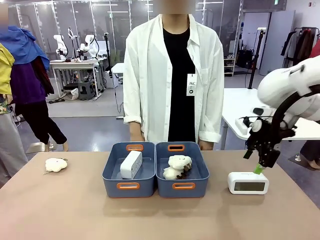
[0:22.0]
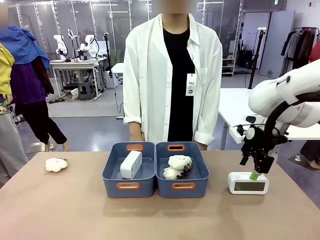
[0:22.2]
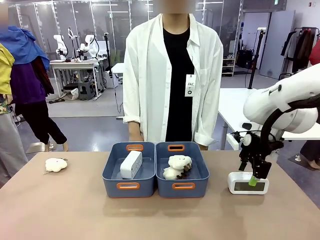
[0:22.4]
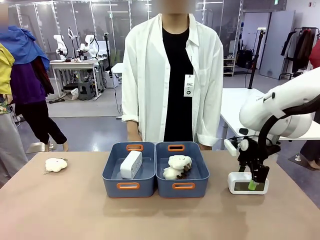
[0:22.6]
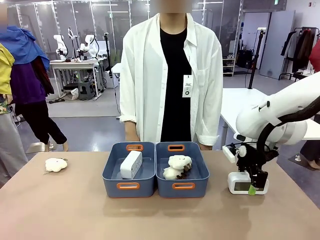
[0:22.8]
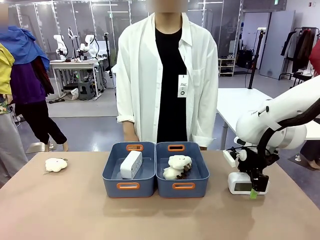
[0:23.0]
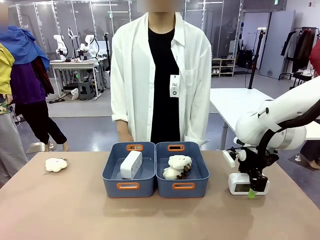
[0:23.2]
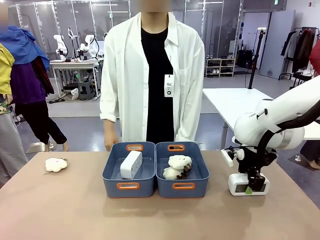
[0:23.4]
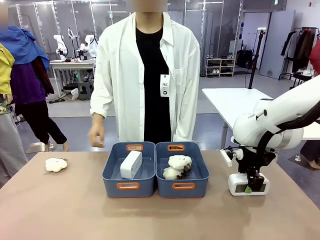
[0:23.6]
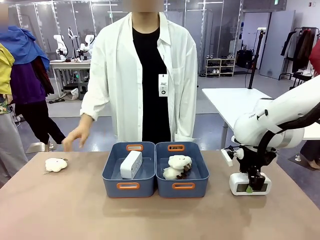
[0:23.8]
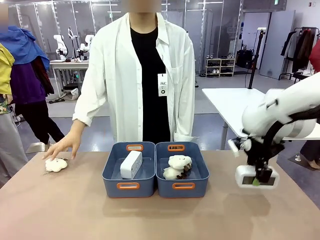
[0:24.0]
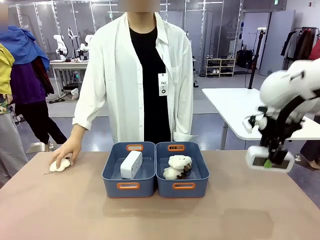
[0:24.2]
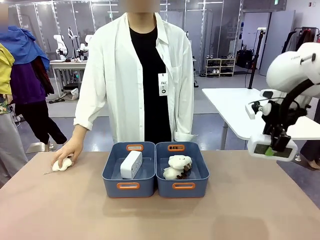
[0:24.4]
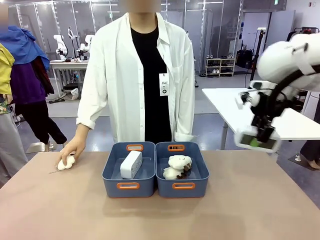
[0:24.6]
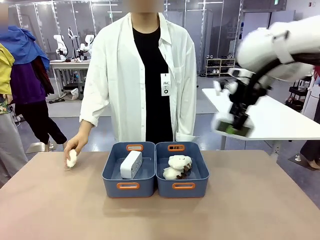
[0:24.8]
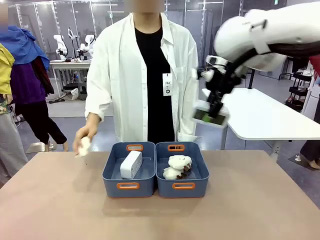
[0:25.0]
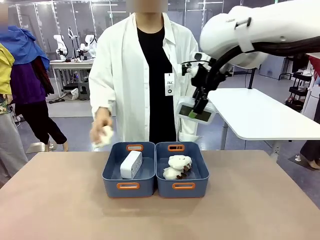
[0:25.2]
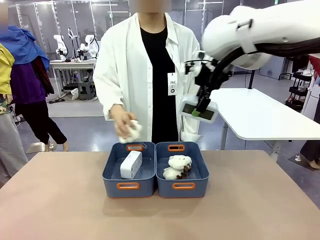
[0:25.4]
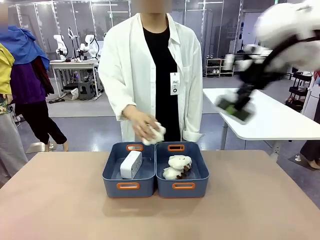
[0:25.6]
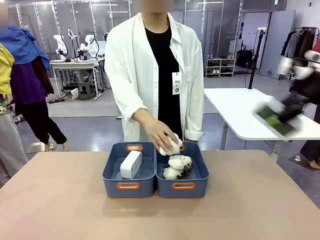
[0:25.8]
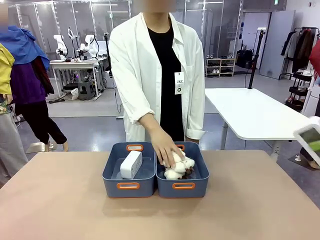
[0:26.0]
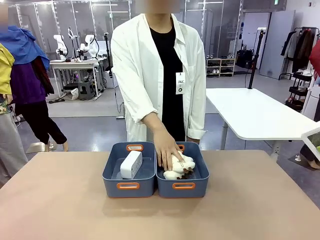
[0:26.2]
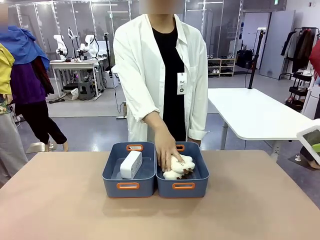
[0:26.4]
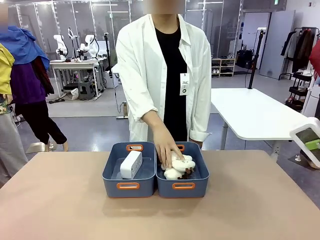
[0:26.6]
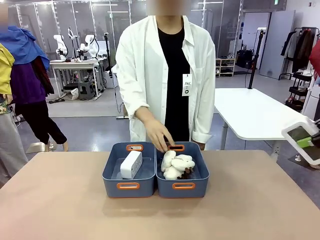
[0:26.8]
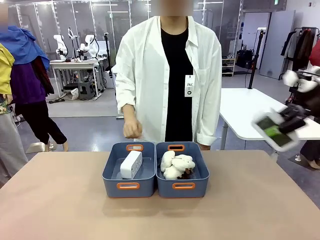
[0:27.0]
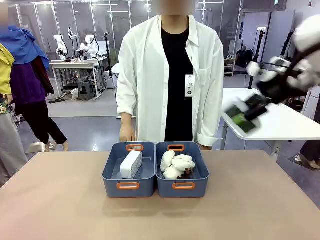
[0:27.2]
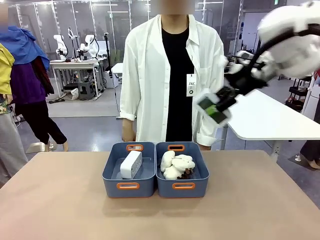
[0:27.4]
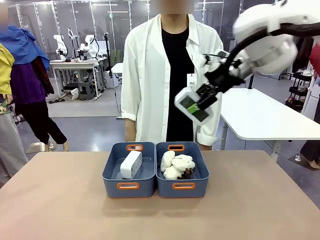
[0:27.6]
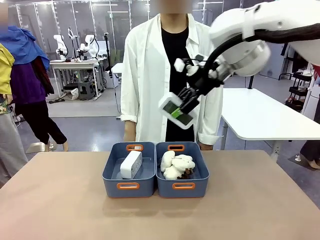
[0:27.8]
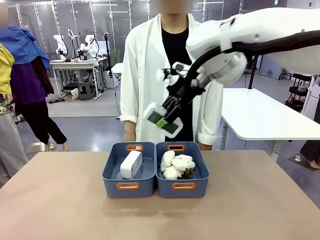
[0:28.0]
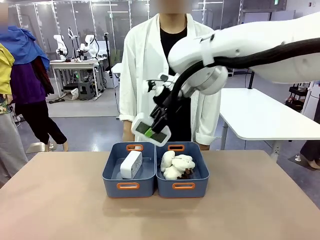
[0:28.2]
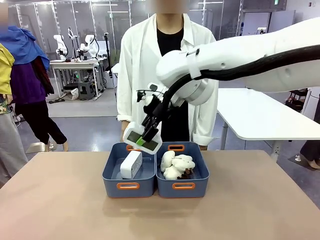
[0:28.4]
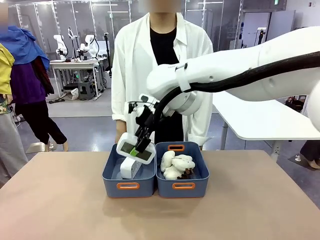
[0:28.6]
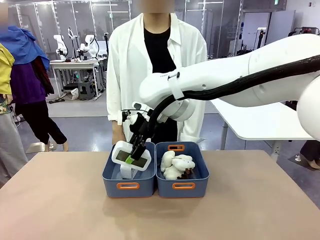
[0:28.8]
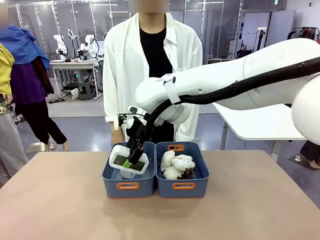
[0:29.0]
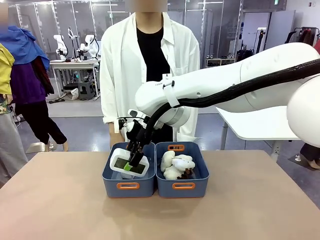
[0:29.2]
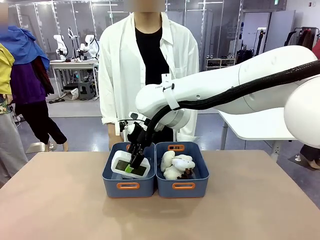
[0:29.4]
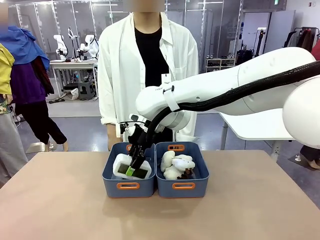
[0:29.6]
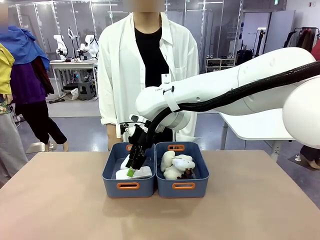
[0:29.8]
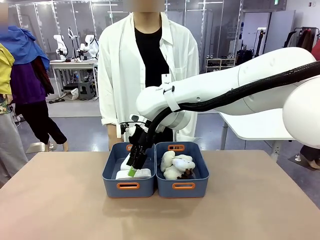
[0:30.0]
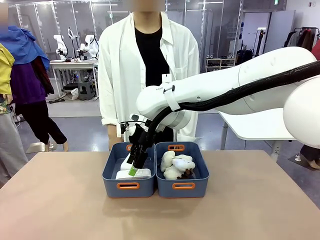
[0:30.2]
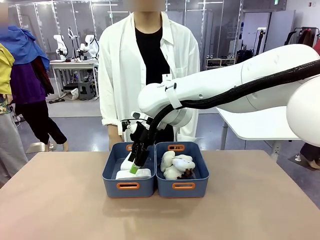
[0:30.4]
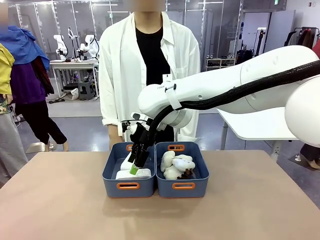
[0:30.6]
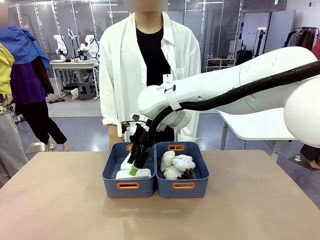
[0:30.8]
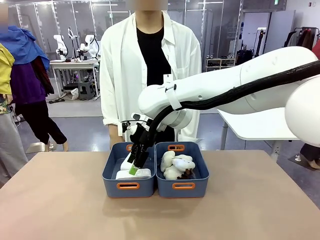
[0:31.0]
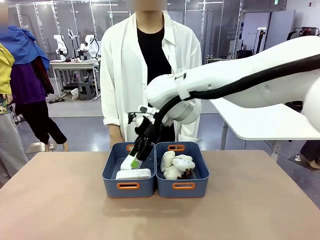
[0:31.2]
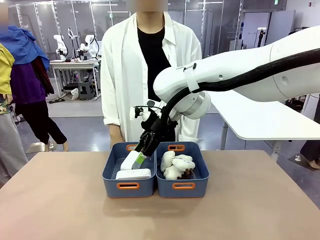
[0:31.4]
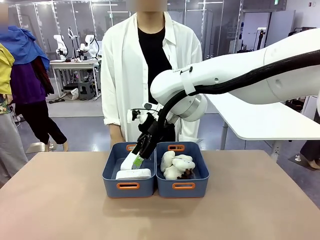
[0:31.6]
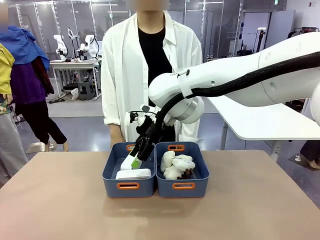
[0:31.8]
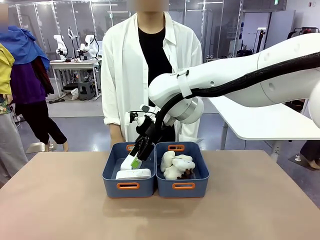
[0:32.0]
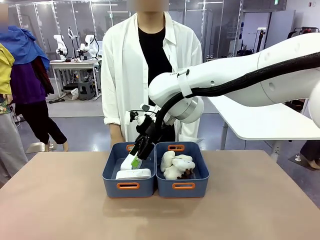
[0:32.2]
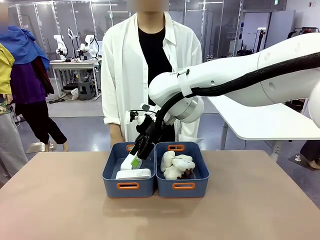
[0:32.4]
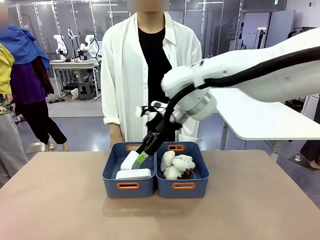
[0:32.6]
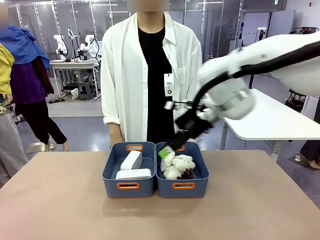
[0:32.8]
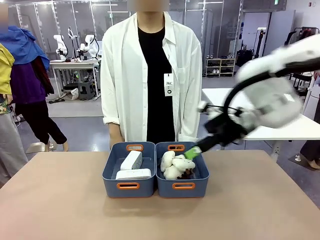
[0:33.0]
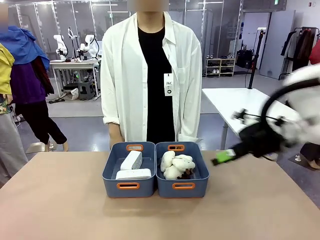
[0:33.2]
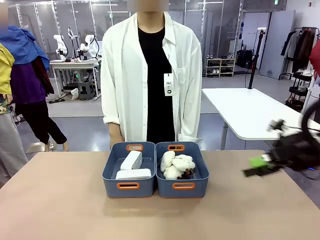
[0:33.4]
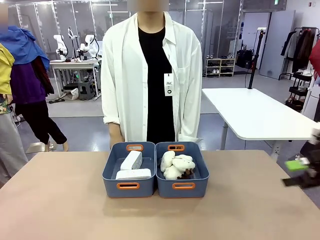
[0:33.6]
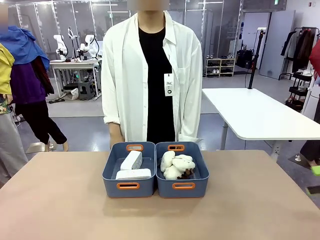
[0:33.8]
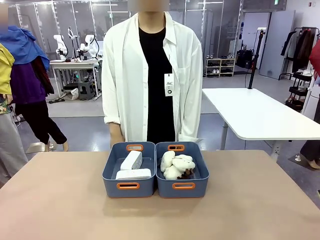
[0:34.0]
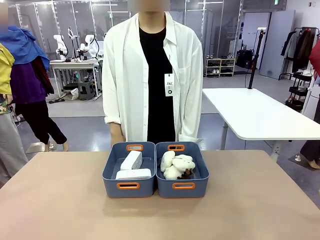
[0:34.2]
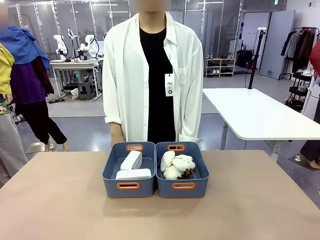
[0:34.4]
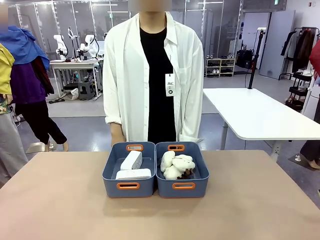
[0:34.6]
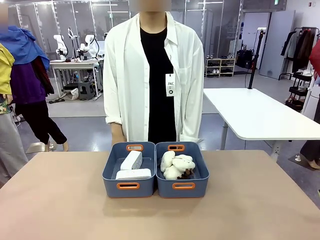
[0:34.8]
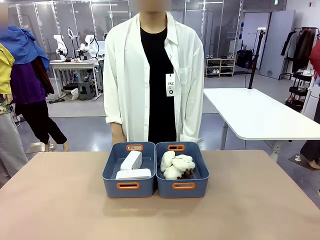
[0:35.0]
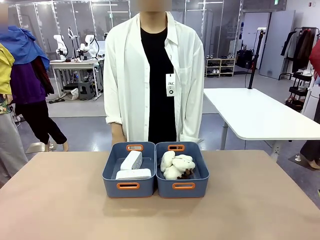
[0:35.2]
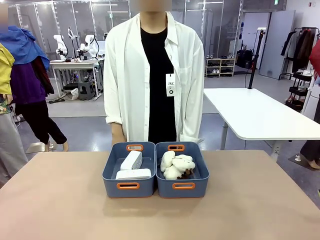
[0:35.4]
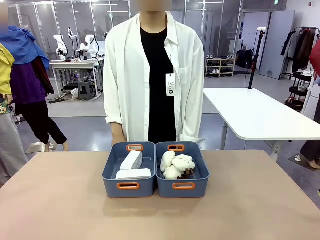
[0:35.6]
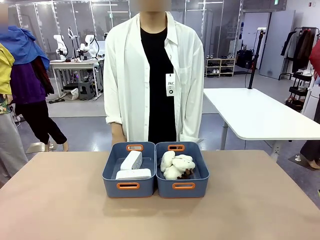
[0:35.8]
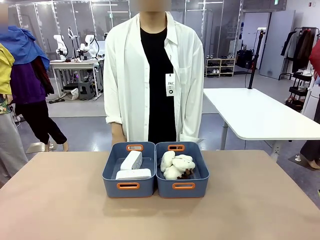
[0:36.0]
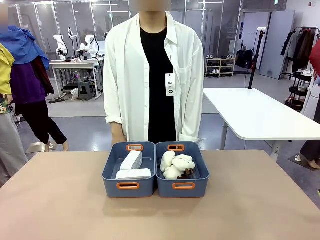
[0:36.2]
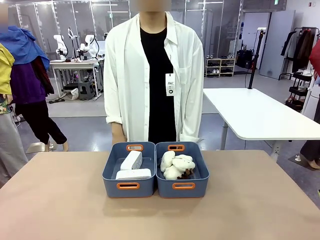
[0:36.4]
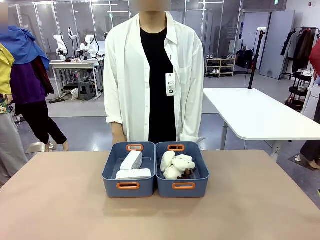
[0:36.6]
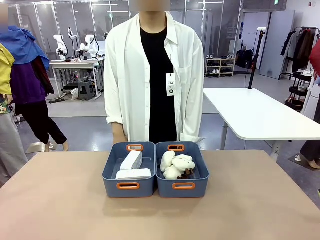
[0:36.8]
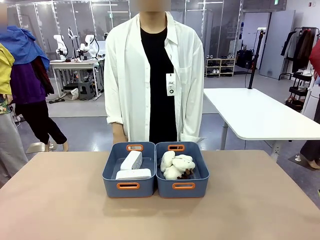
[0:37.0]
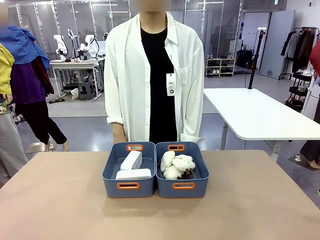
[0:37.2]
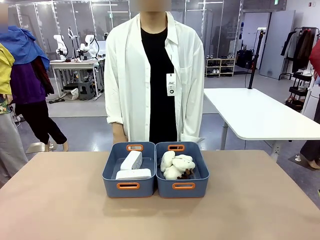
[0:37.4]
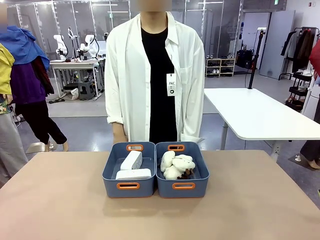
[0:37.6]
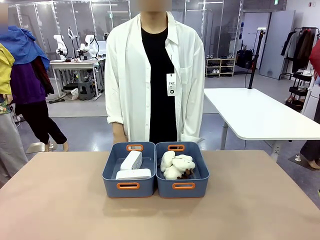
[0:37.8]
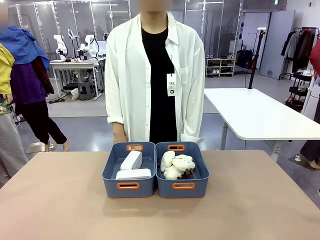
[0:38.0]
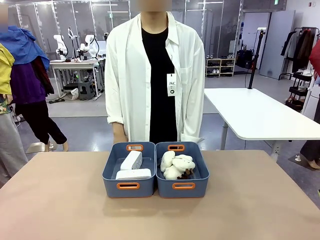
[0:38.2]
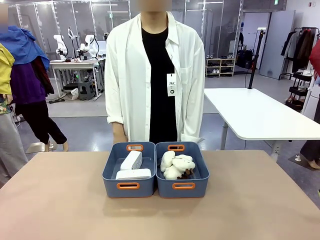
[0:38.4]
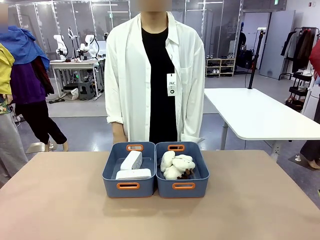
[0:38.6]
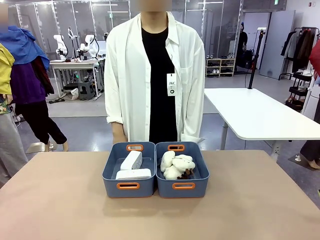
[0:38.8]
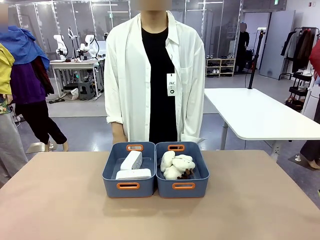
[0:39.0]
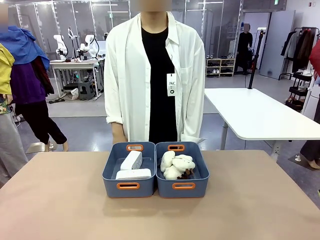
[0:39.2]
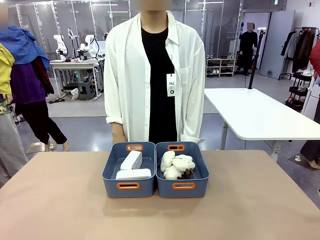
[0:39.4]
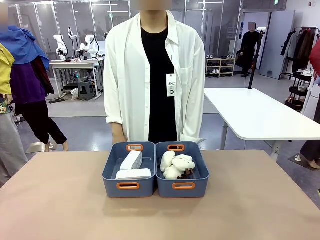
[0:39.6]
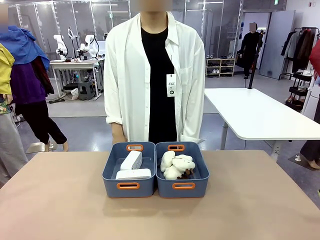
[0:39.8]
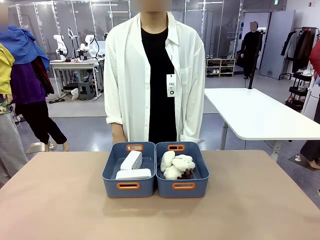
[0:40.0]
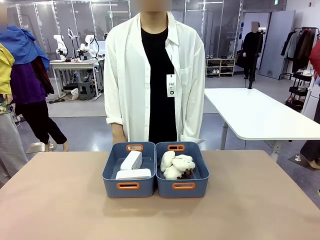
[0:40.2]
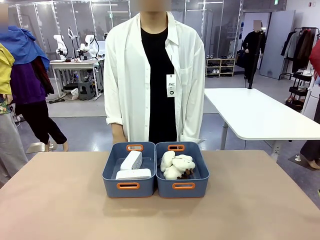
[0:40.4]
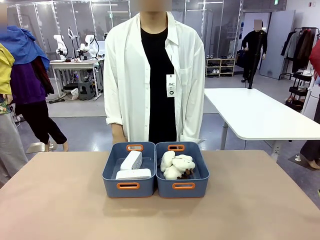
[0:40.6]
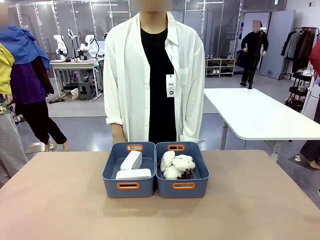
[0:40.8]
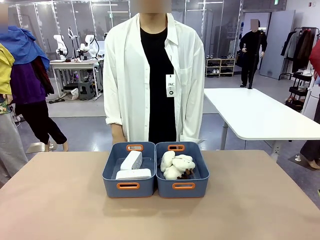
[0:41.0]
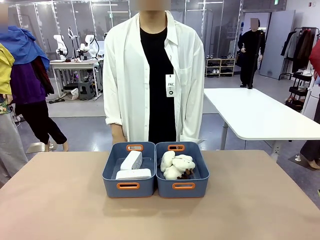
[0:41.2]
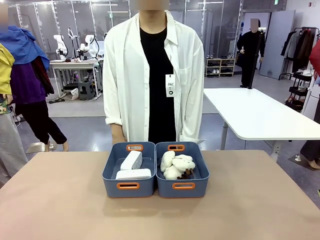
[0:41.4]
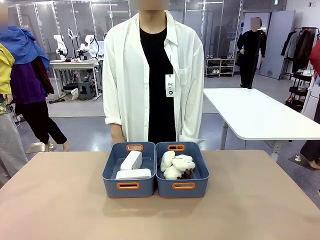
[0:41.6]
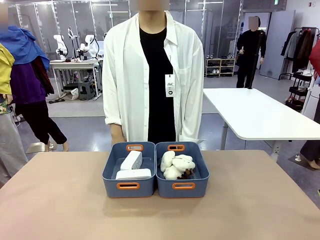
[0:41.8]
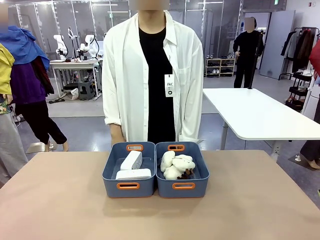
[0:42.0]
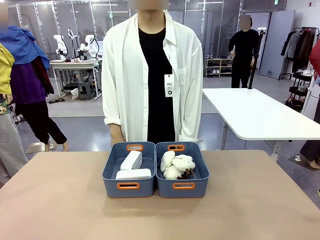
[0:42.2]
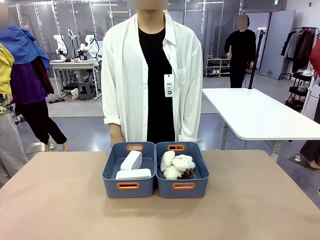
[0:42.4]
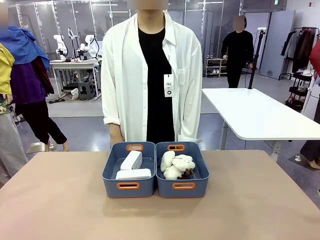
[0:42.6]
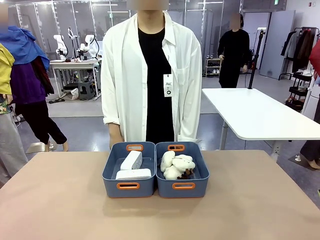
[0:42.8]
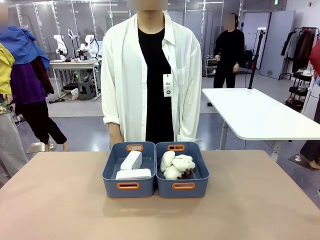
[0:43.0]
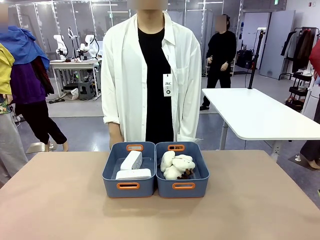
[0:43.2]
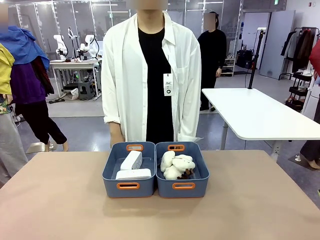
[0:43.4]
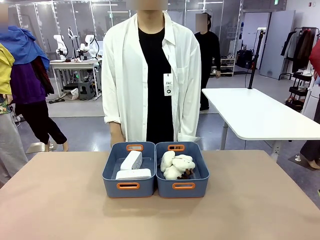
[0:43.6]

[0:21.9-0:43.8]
Task: Sort the digital clocks into the basket.
Robot: Pick up the Digital clock from the table and place it into the empty Plastic storage basket.
Person: Pick up a plush toy from the table and place it in the plastic storage basket containing the plush toy.
